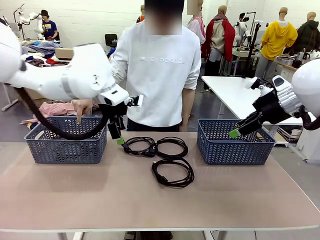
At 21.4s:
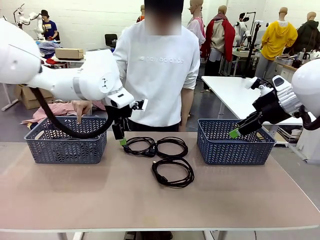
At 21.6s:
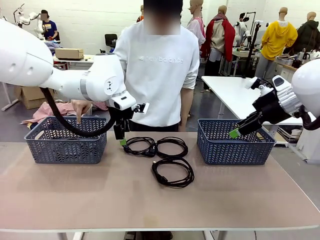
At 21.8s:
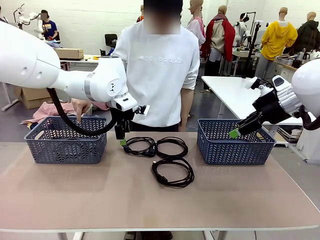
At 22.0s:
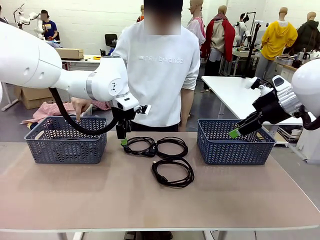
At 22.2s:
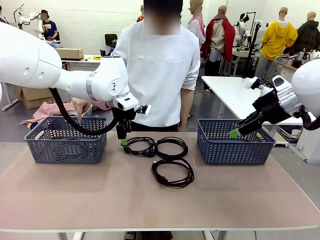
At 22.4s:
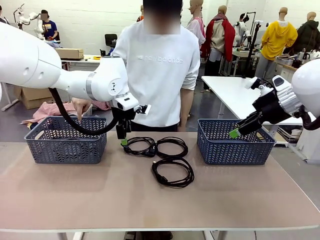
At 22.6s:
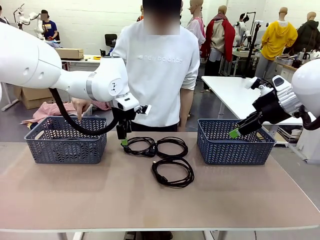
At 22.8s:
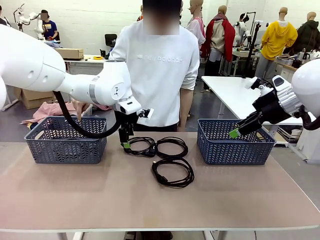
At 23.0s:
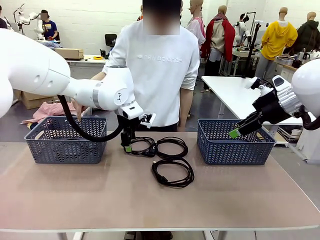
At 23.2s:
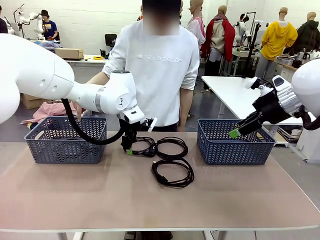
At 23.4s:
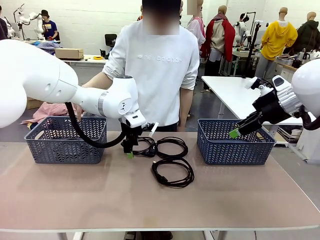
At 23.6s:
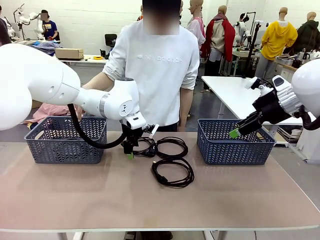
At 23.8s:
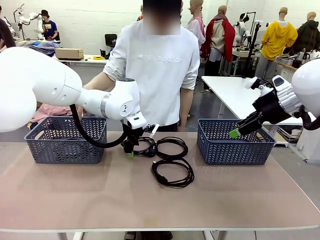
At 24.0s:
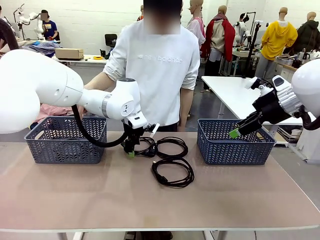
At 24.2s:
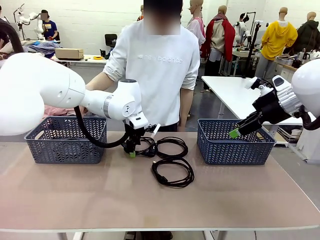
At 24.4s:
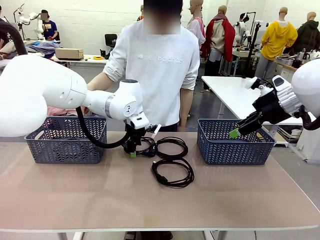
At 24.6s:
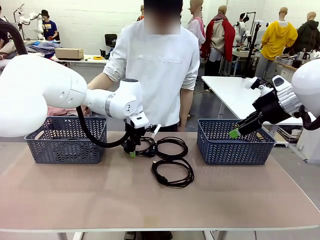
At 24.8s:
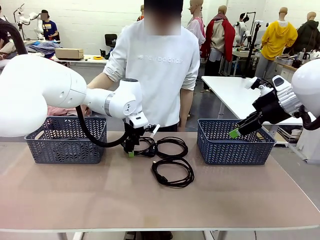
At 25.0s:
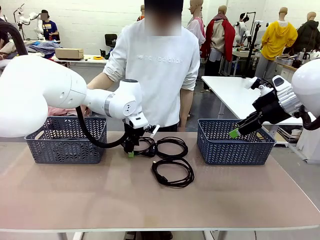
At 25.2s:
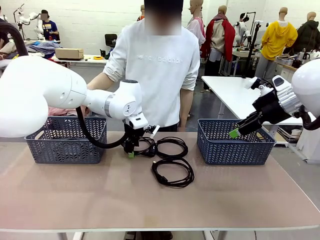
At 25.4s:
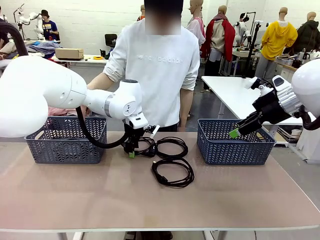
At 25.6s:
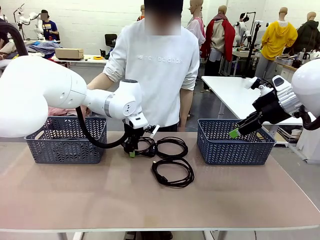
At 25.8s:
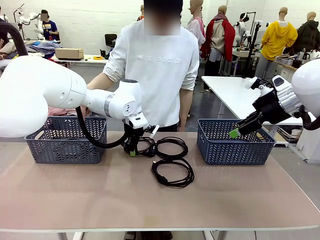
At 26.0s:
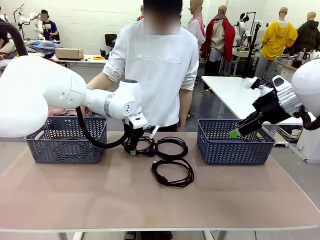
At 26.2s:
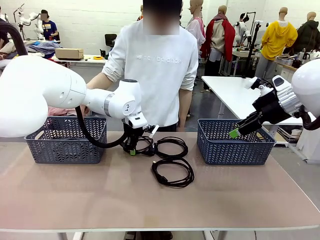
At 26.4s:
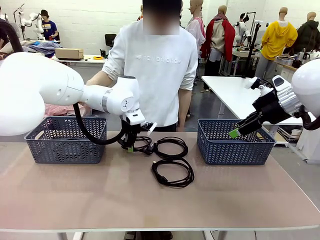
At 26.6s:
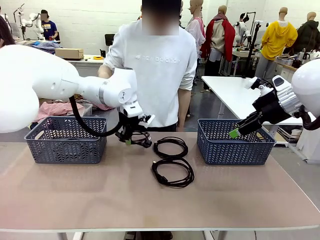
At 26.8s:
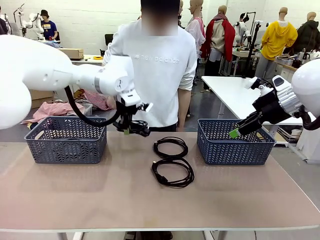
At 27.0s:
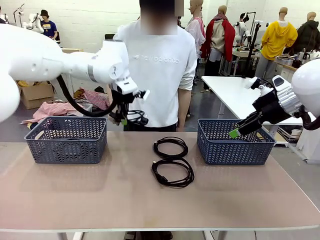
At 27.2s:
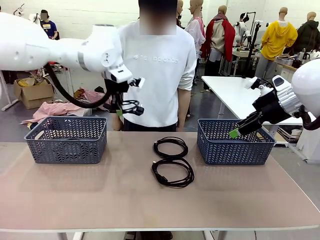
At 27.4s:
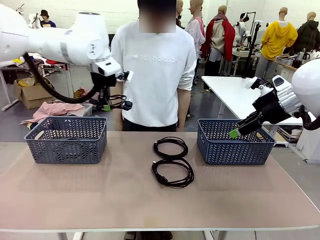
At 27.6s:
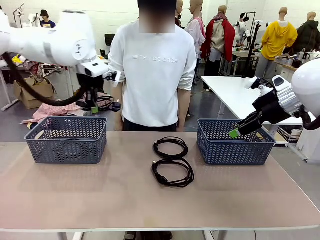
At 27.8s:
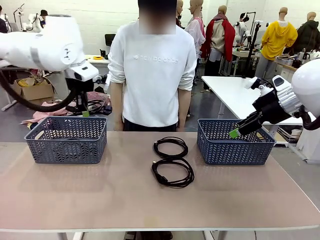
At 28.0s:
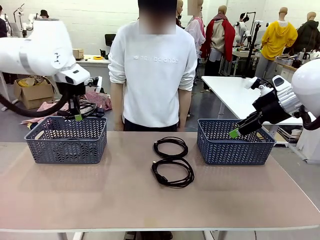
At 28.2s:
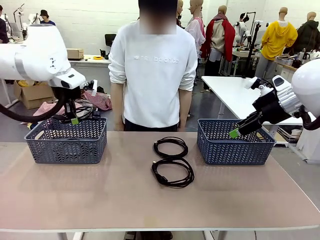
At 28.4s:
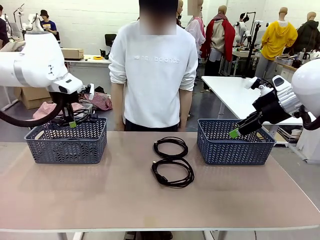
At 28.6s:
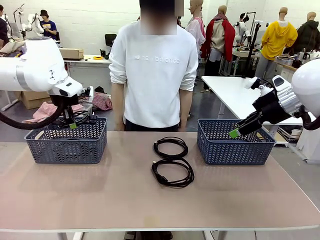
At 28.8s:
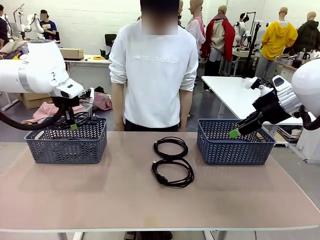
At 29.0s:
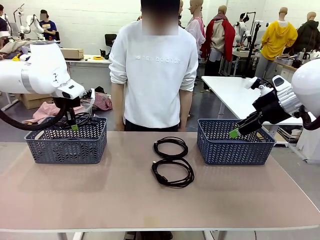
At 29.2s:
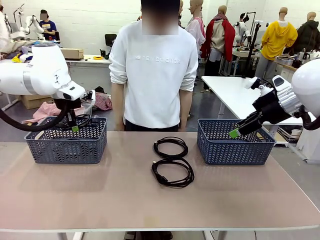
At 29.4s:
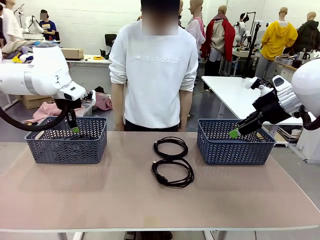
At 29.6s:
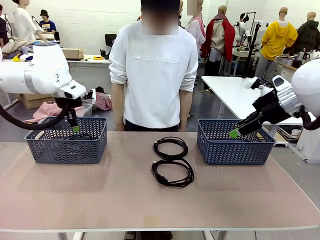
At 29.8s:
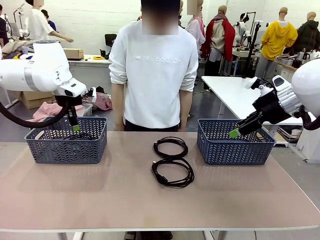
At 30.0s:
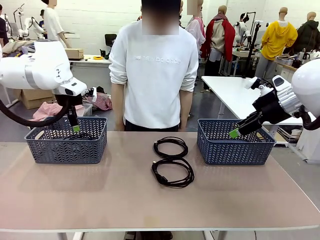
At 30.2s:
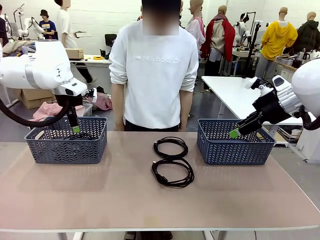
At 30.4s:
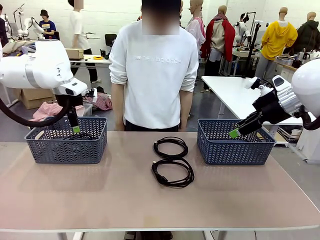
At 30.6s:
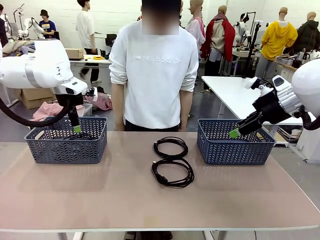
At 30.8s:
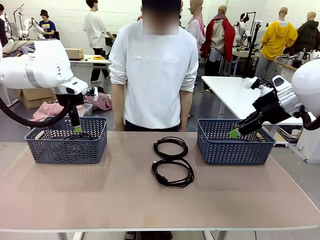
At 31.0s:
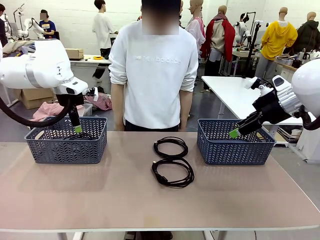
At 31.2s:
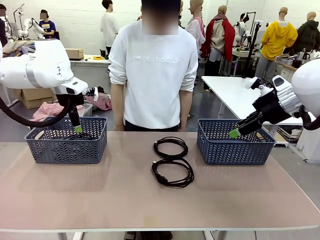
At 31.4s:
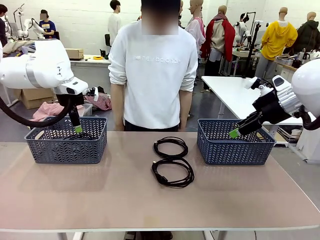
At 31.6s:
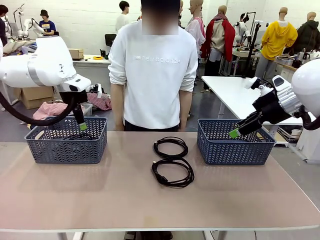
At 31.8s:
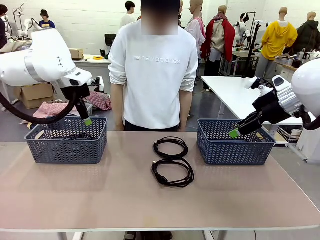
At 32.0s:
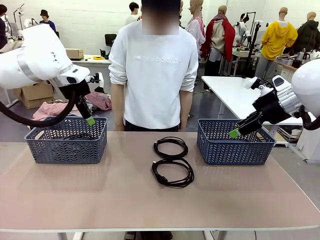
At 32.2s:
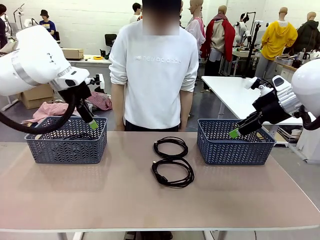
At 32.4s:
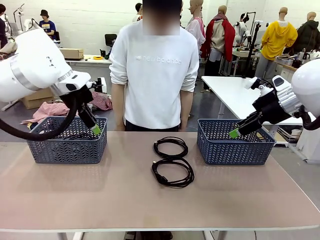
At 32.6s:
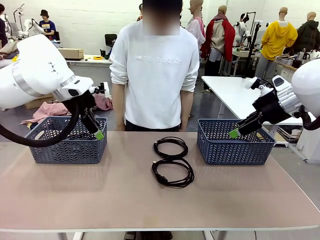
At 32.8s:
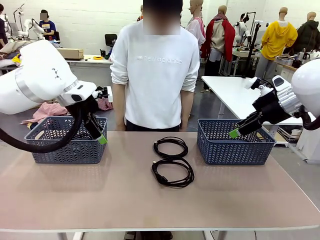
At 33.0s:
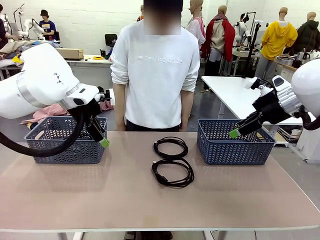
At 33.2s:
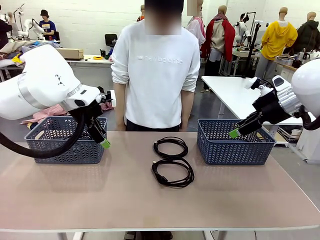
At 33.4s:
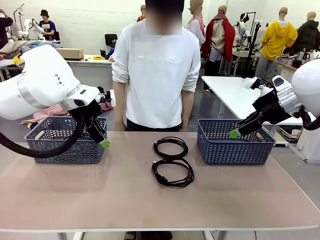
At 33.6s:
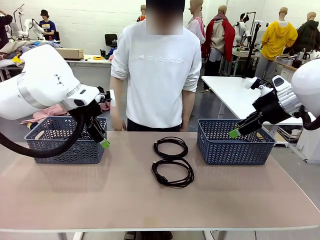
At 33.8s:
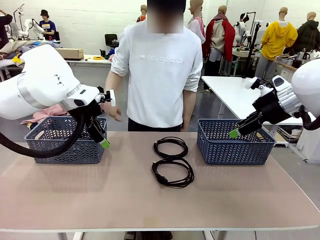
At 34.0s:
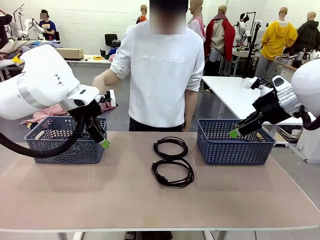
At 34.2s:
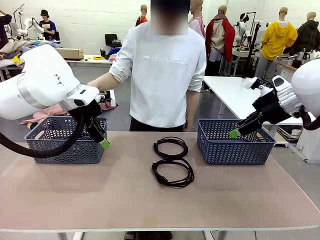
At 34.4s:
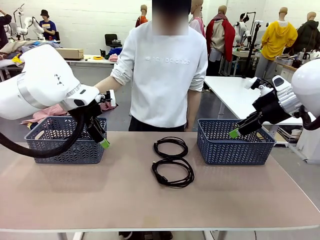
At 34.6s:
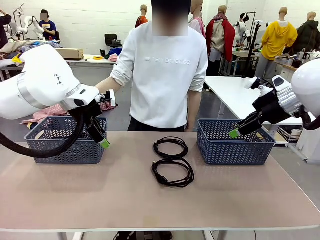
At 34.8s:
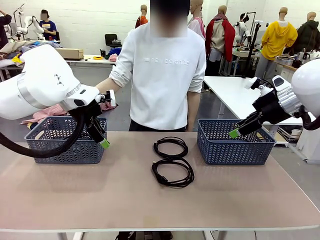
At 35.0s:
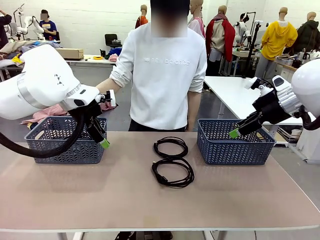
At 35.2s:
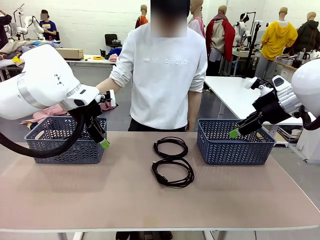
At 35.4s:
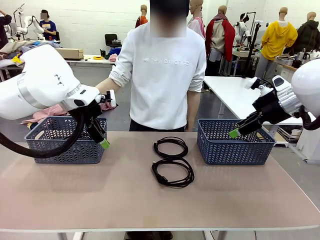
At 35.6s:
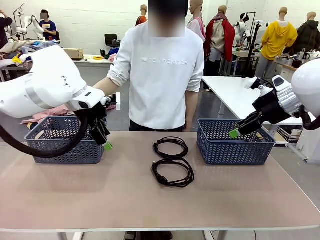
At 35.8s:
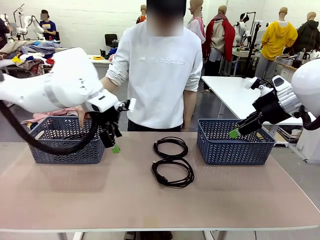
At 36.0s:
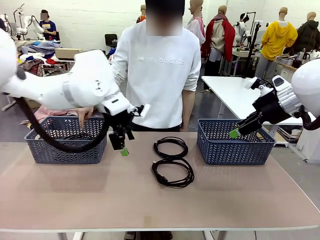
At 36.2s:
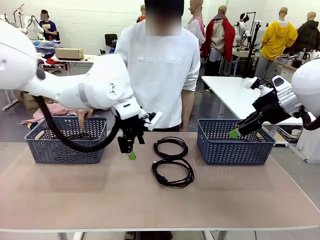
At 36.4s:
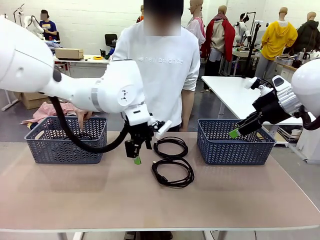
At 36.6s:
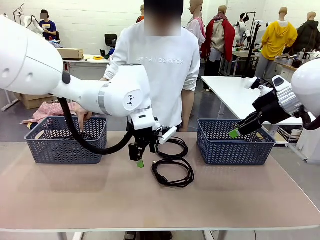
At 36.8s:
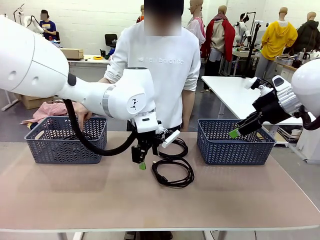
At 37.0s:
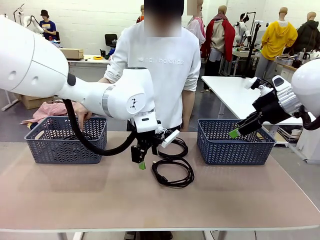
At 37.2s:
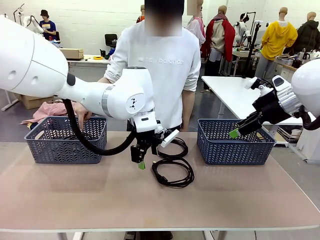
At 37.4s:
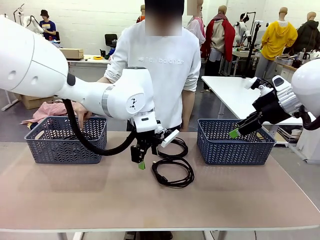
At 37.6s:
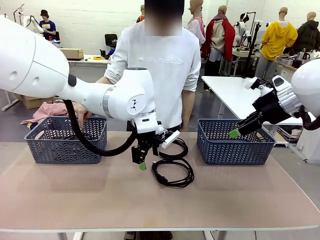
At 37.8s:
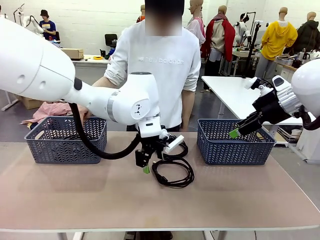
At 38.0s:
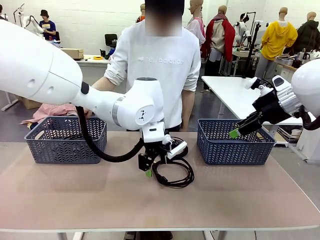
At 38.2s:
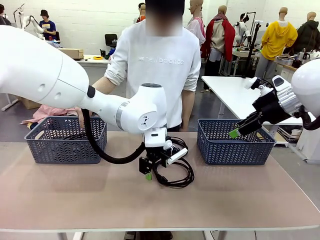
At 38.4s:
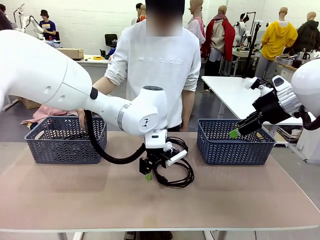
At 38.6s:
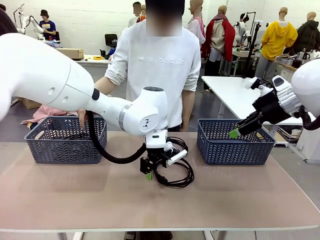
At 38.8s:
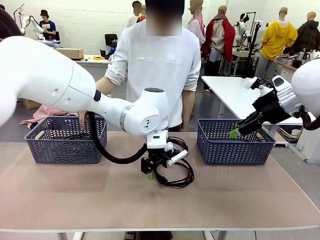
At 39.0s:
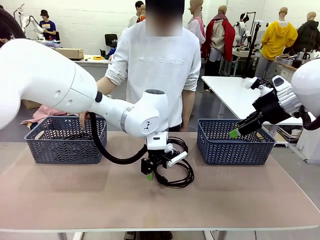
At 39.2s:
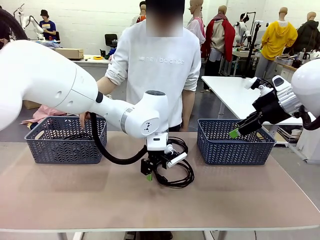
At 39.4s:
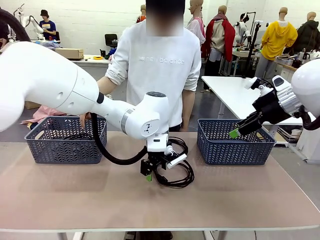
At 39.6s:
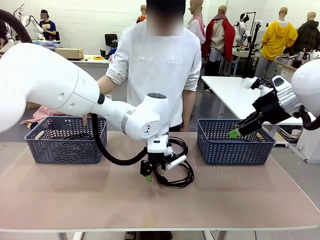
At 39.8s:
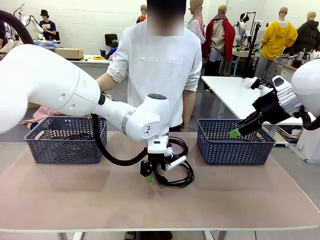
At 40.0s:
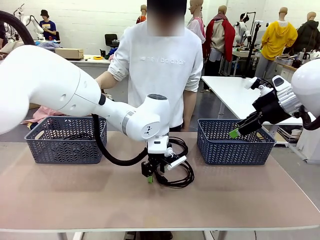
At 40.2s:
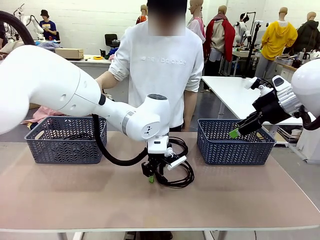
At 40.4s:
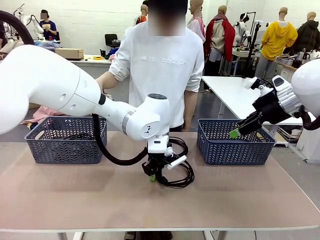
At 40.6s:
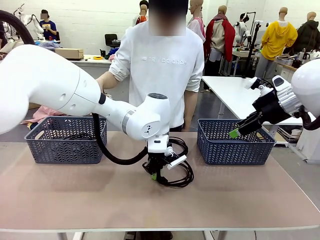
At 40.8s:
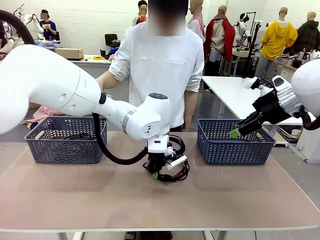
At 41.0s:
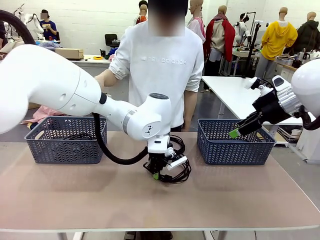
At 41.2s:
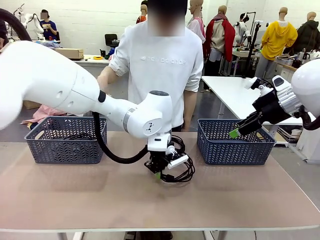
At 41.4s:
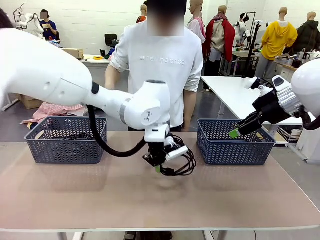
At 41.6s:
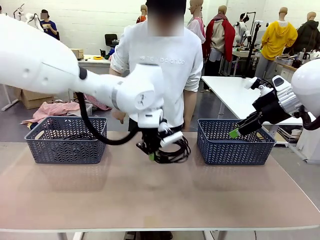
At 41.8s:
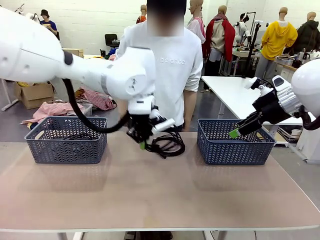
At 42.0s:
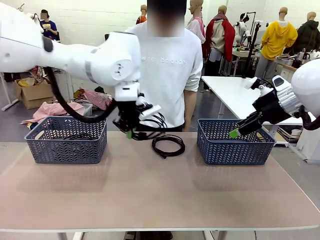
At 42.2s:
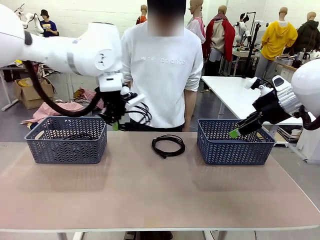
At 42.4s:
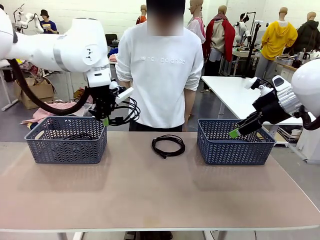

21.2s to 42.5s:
Task: Organize the cables according to human instructions.
Robot: Pick up a bundle of cables and place it in the basket indicated by the human.
